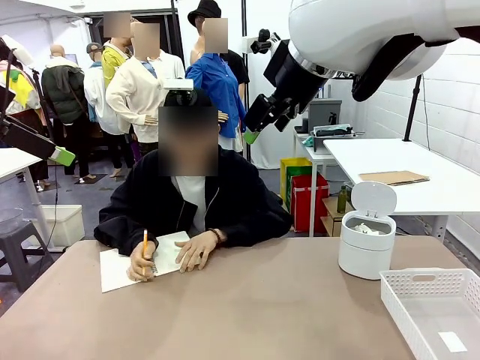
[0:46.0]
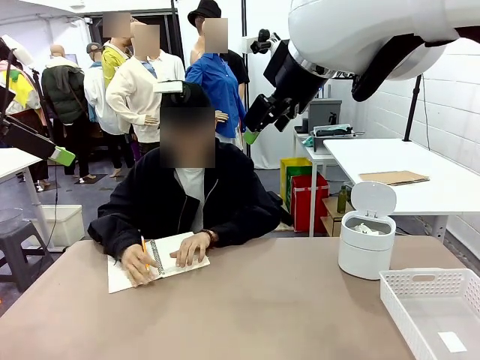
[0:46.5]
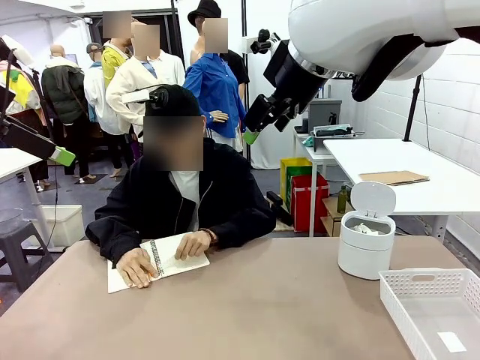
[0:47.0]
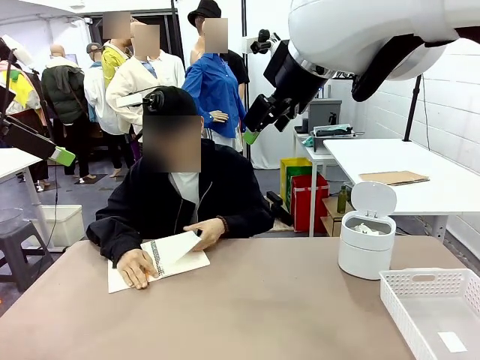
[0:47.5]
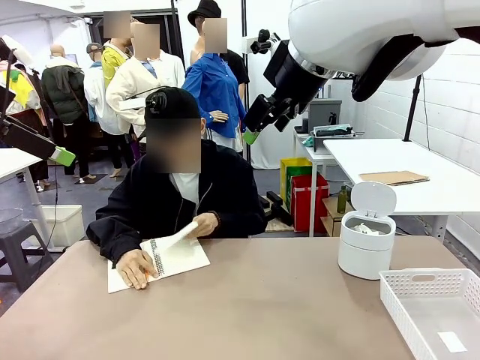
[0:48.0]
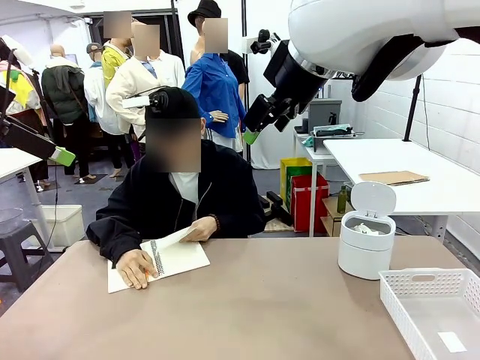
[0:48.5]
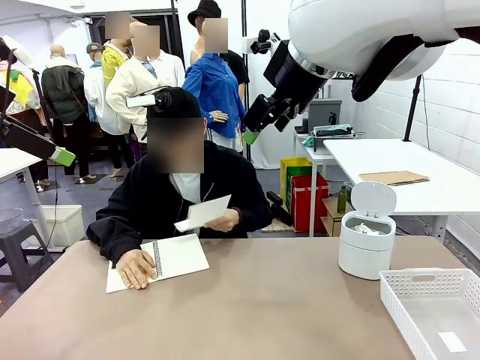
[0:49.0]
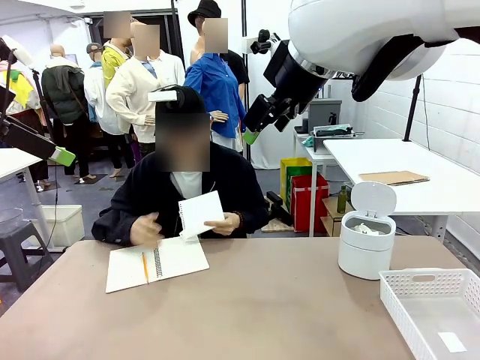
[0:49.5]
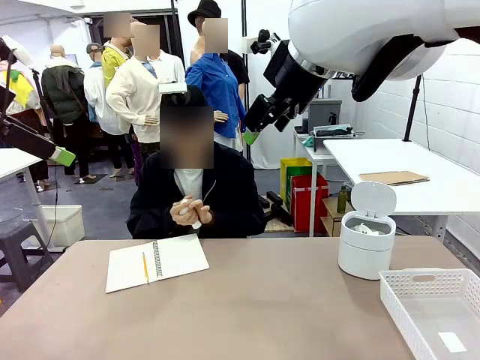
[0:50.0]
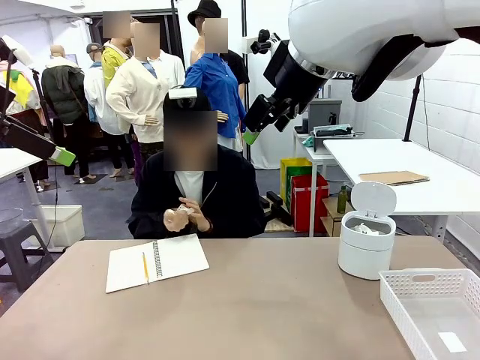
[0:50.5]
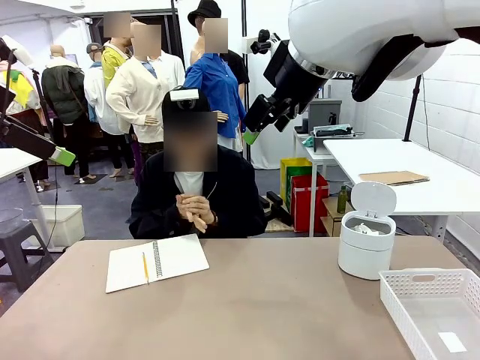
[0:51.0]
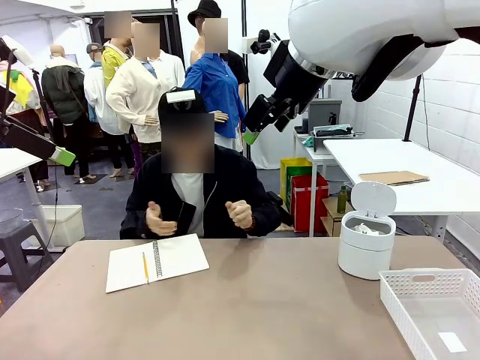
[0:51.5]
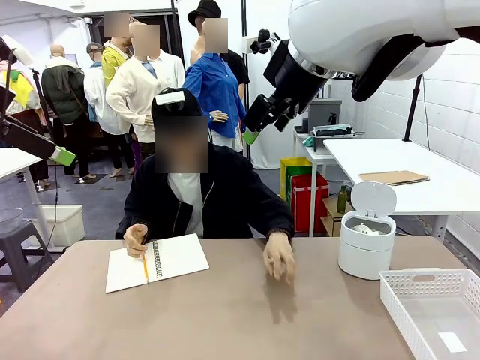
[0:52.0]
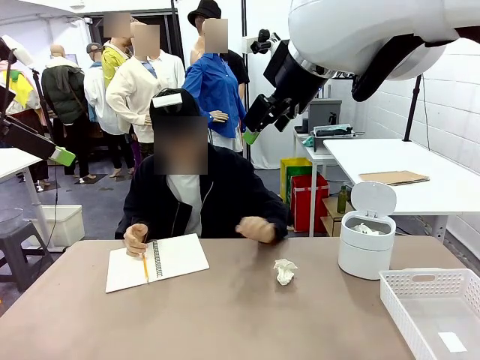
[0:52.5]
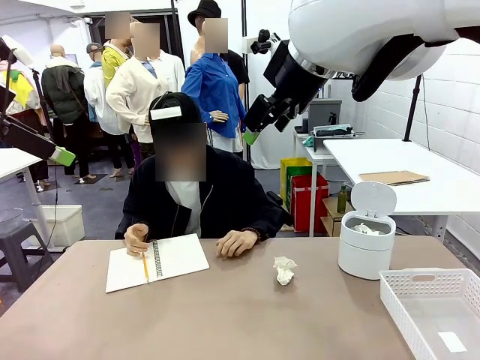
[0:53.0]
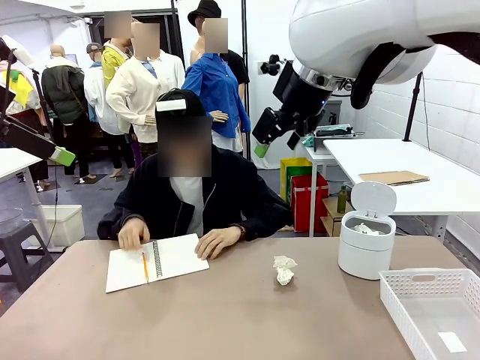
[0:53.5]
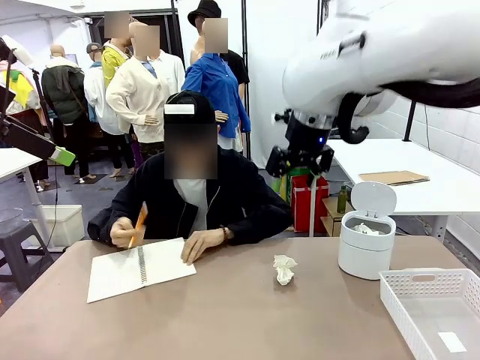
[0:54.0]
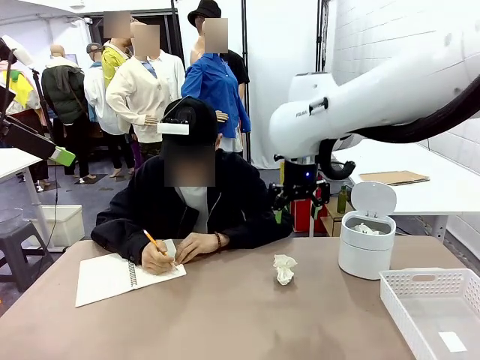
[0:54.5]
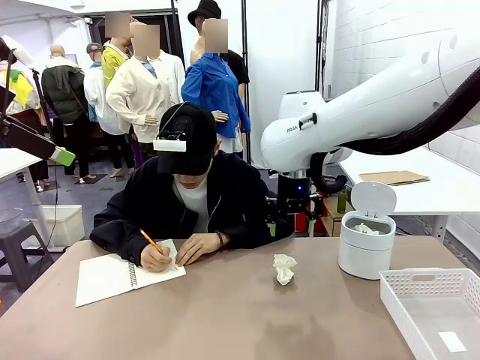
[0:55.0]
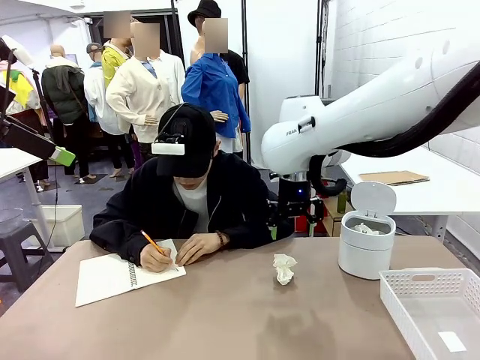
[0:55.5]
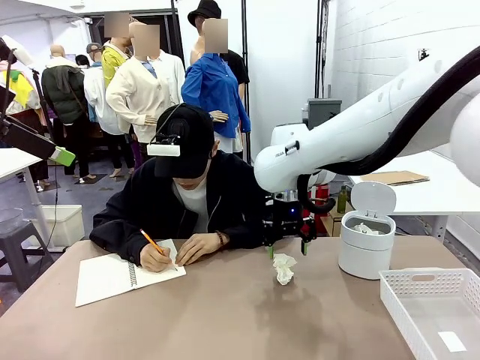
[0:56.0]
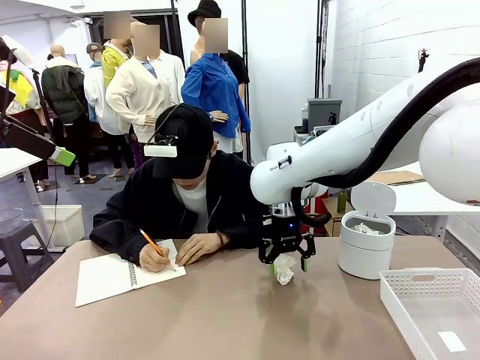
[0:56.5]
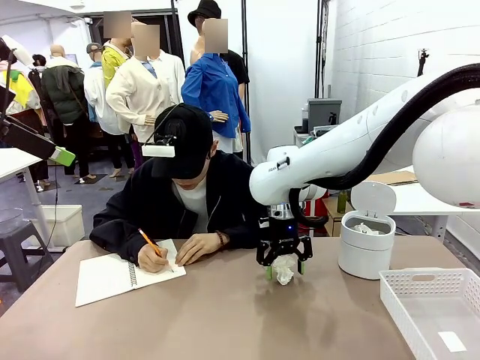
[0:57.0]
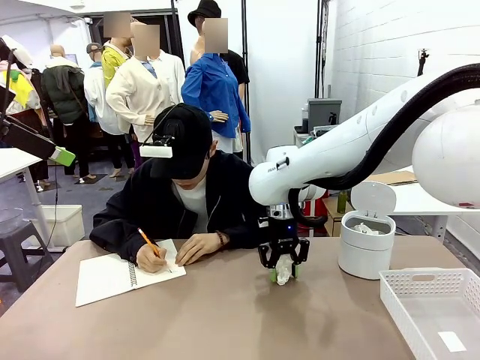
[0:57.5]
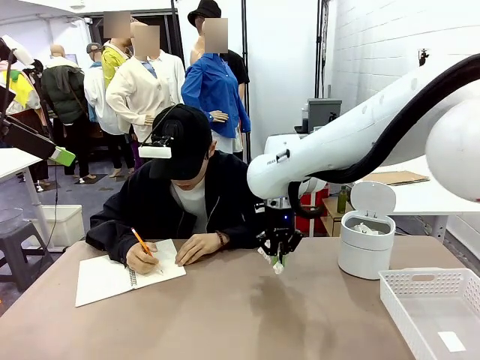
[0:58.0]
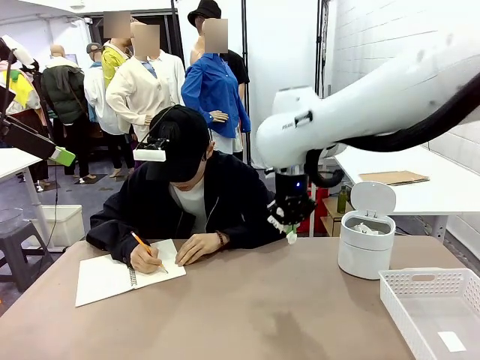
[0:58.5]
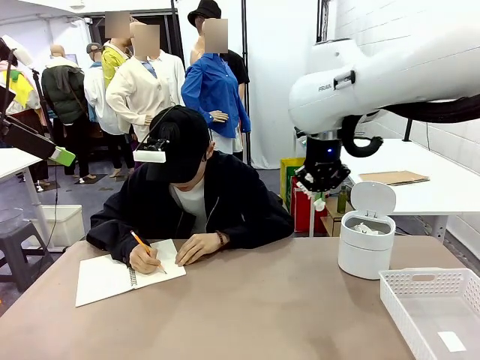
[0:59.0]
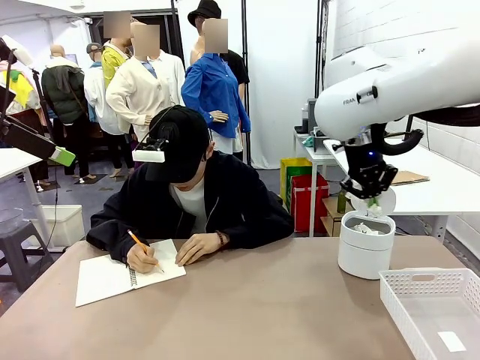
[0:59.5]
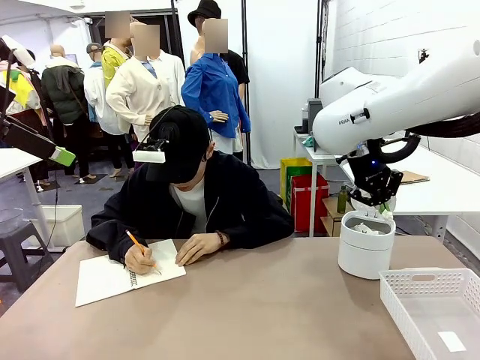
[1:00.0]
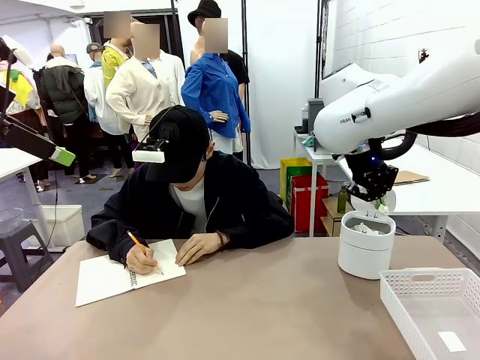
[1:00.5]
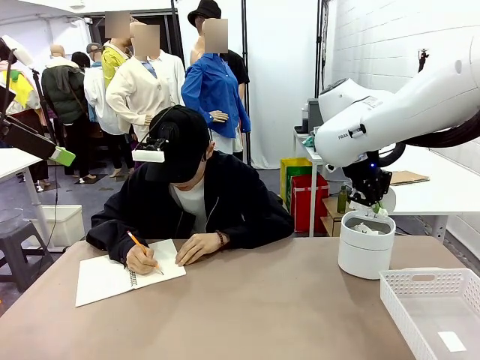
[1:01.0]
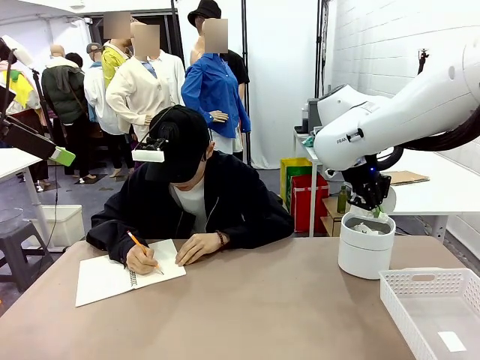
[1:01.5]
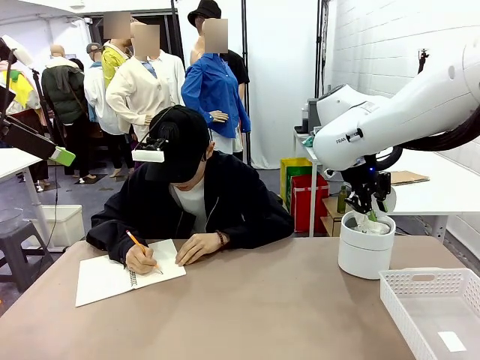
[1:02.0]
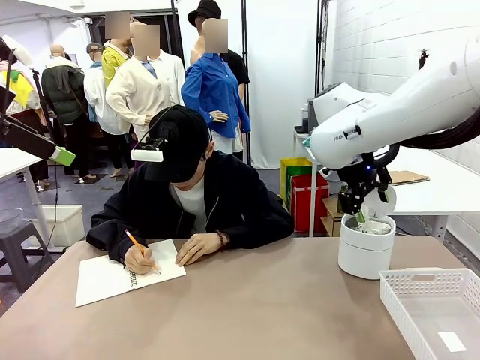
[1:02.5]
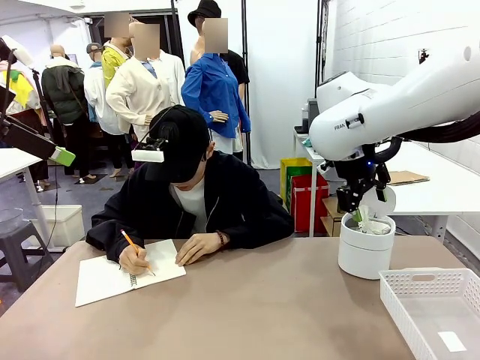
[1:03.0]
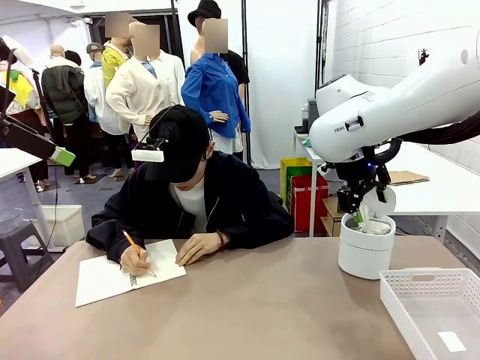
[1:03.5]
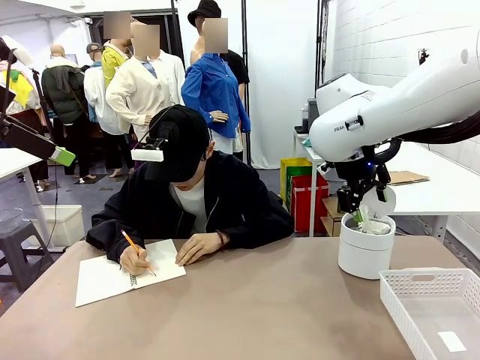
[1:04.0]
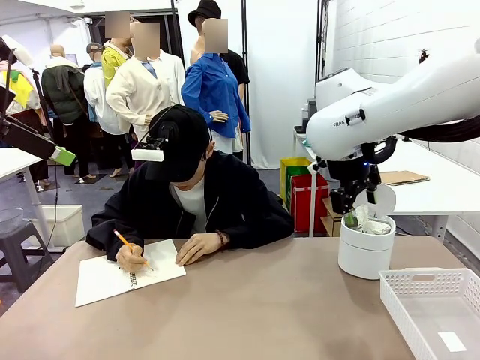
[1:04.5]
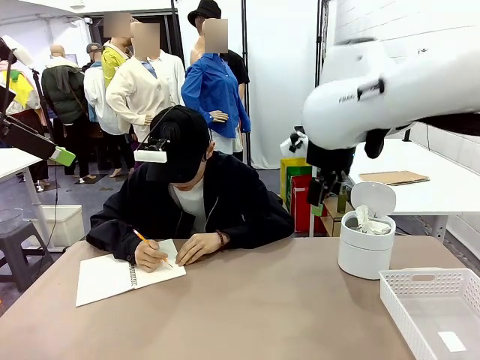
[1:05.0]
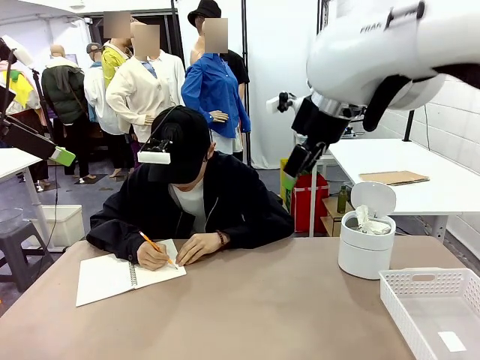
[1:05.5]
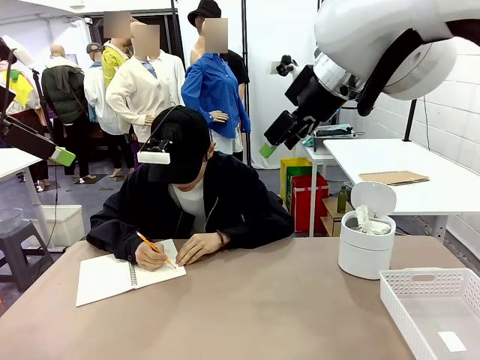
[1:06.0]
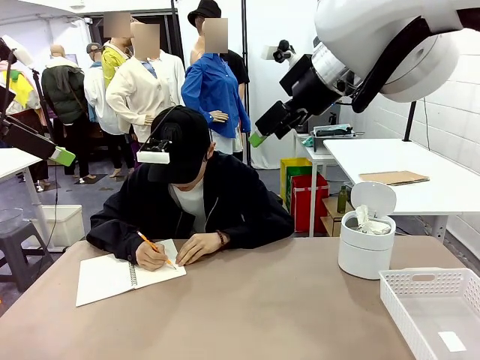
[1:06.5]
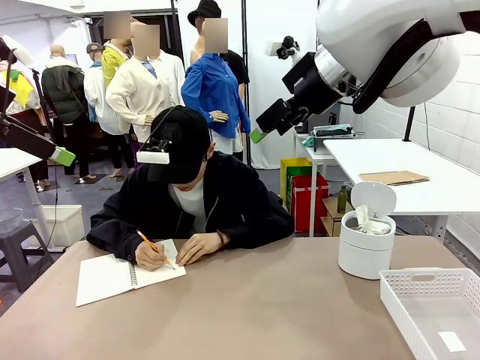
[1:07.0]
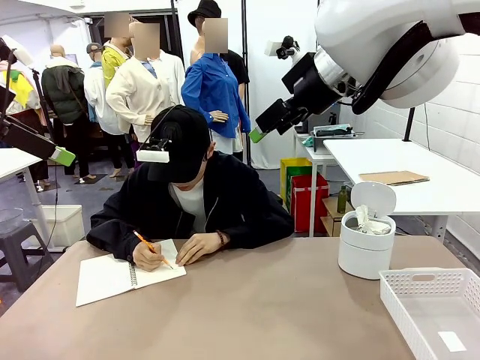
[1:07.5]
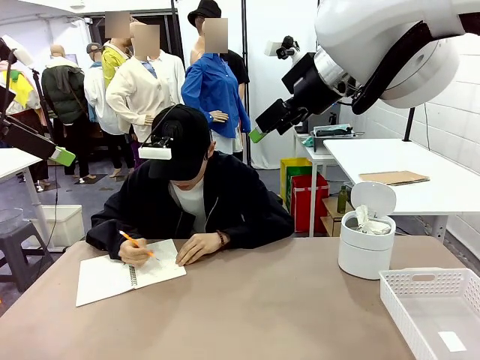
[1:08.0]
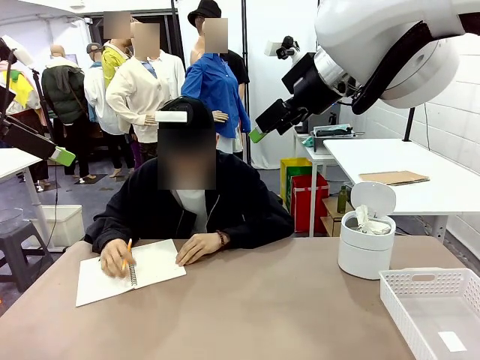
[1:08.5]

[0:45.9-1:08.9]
Task: Sort the paper based on its condition.
Robot: If a person hands you a paper, place it in the Organizing basket , and if it's crumpled, put it in the Trash can.
Person: Hand the torn page to the robot or crumple it and throw it to the center of the table.
